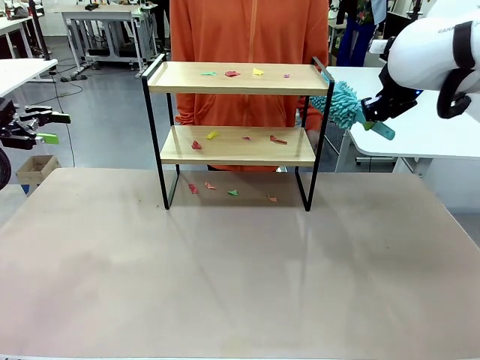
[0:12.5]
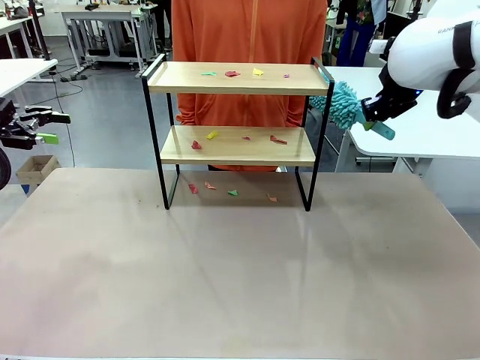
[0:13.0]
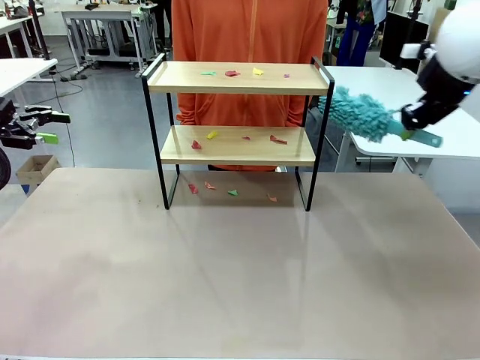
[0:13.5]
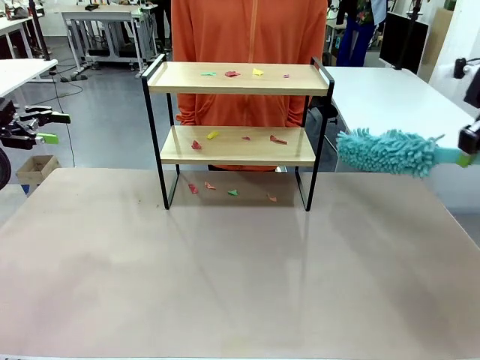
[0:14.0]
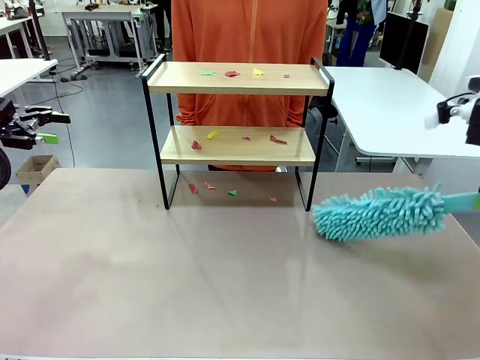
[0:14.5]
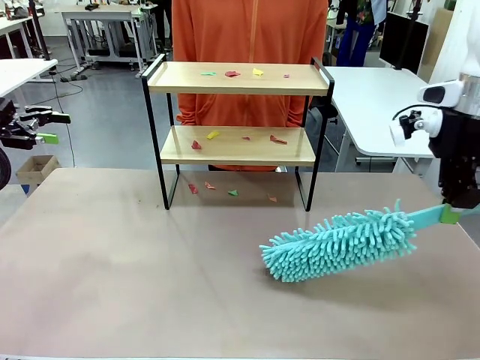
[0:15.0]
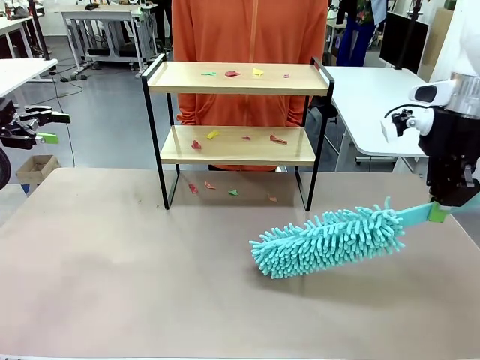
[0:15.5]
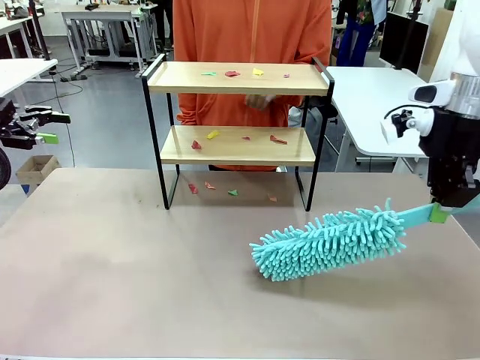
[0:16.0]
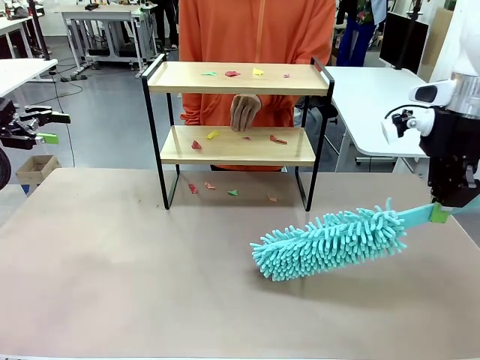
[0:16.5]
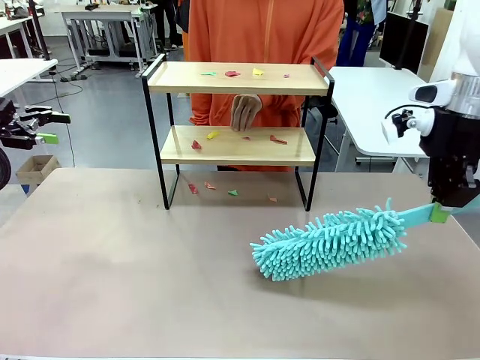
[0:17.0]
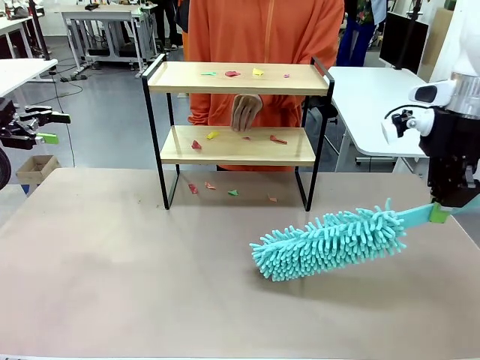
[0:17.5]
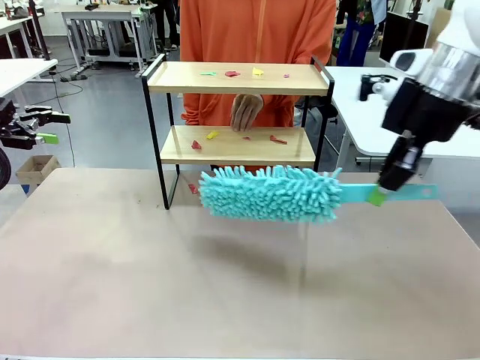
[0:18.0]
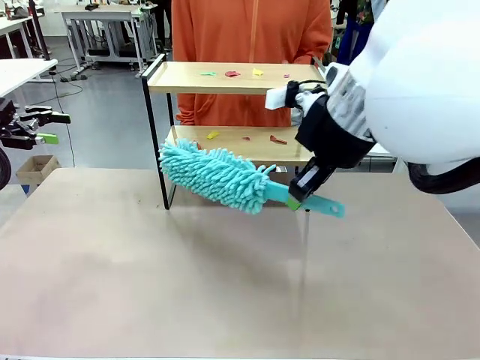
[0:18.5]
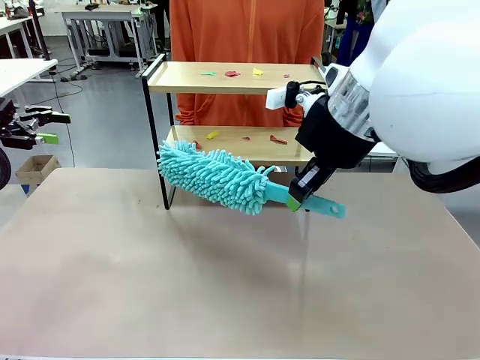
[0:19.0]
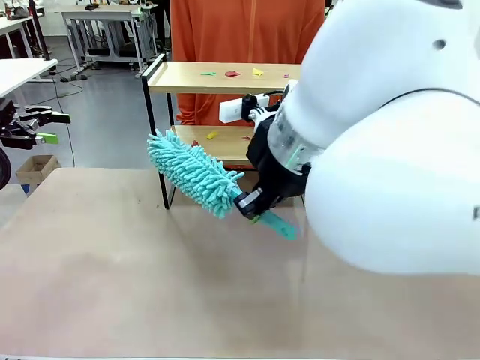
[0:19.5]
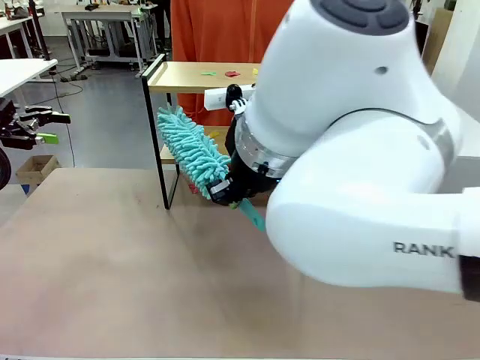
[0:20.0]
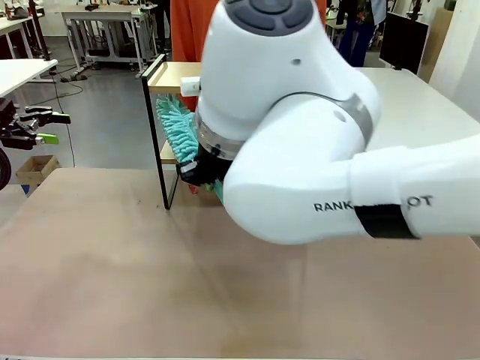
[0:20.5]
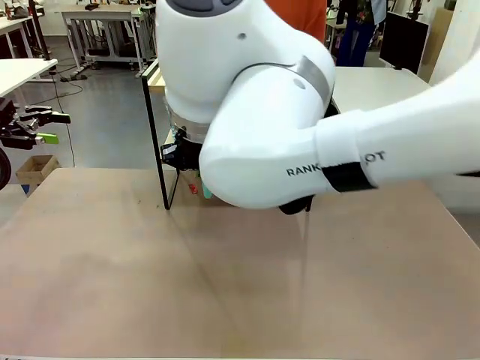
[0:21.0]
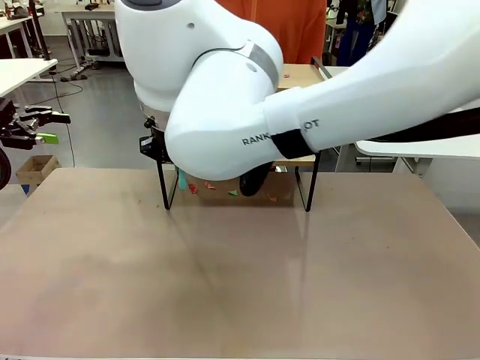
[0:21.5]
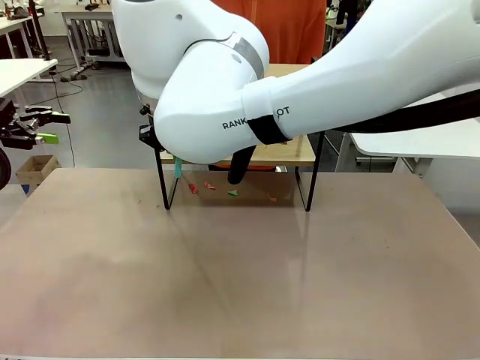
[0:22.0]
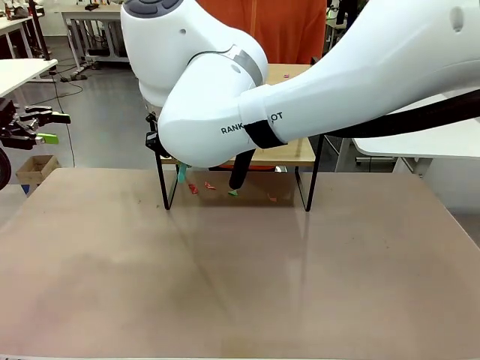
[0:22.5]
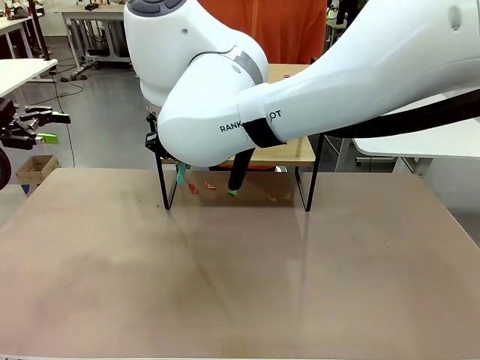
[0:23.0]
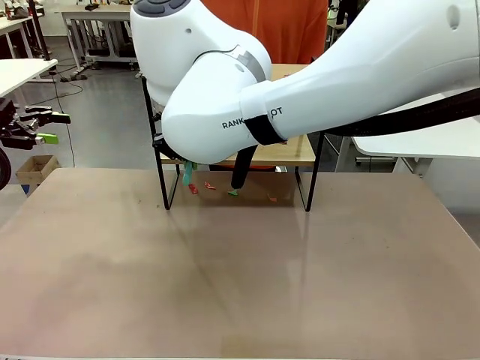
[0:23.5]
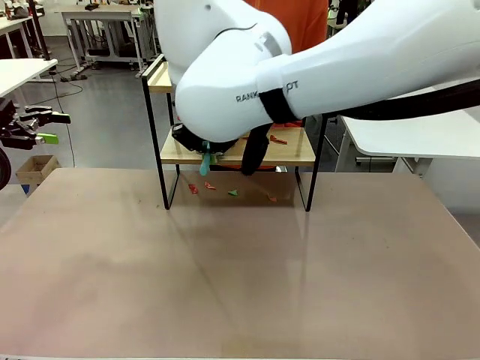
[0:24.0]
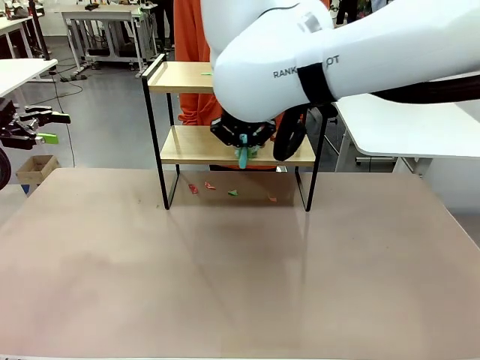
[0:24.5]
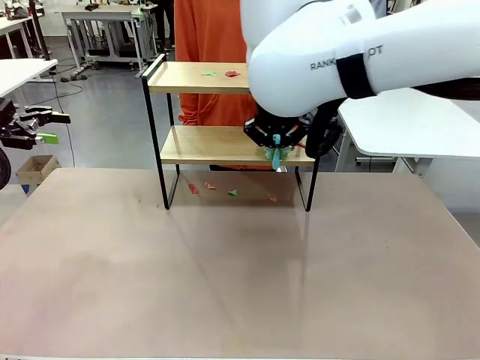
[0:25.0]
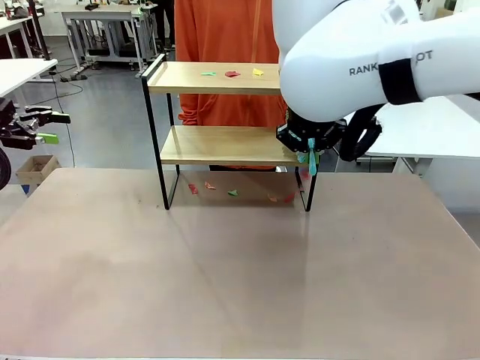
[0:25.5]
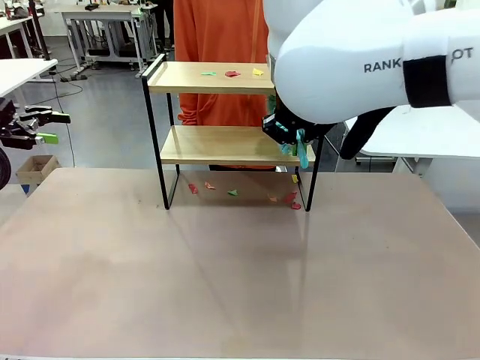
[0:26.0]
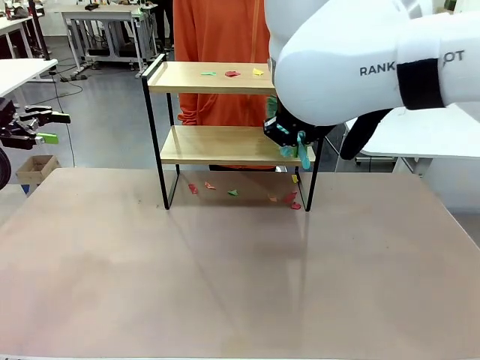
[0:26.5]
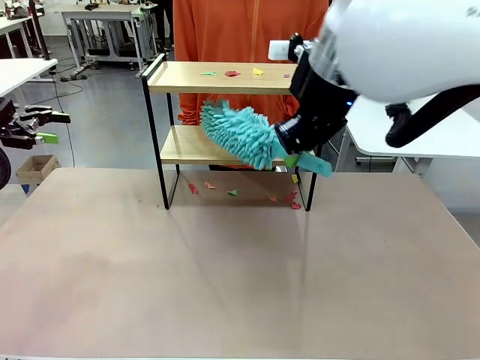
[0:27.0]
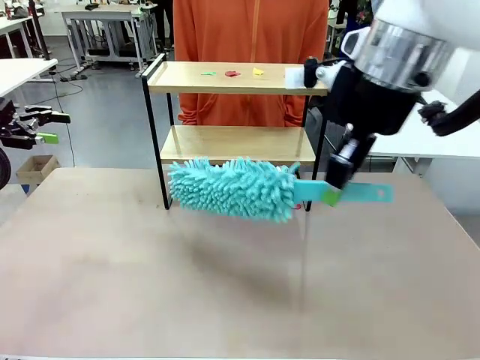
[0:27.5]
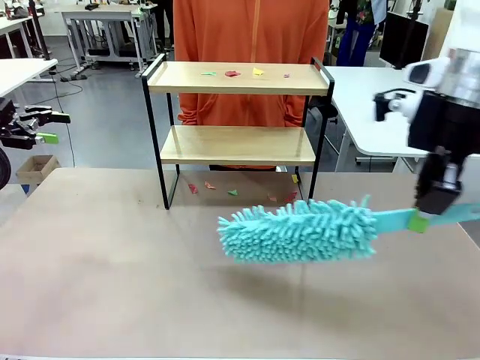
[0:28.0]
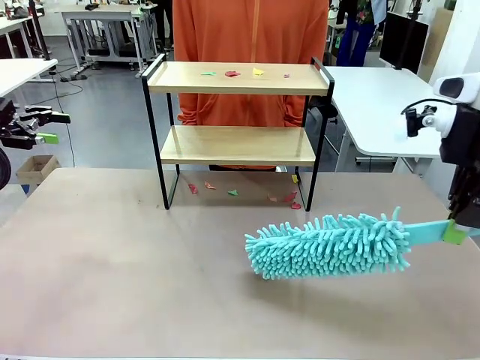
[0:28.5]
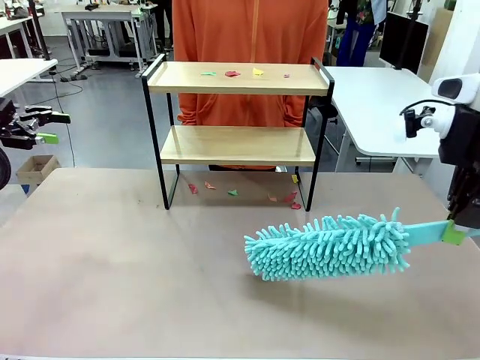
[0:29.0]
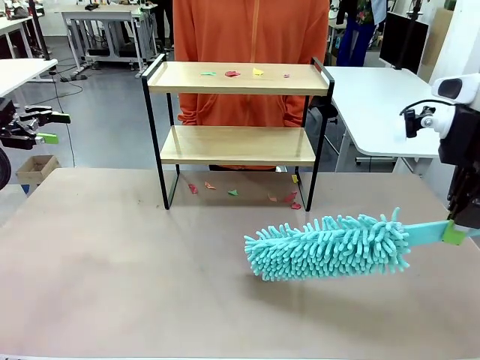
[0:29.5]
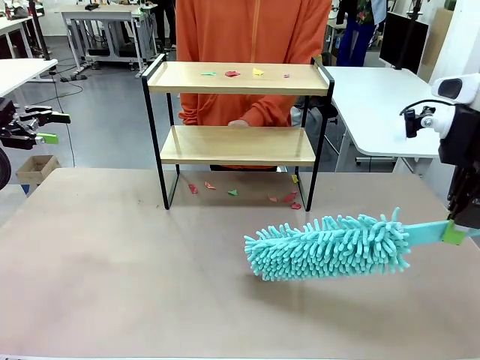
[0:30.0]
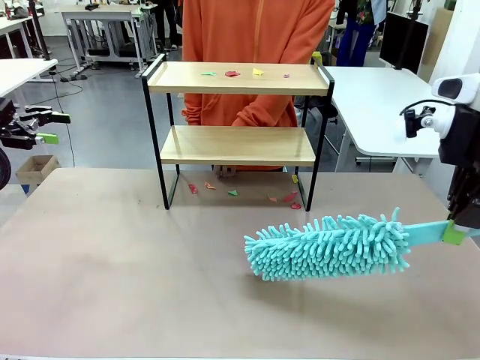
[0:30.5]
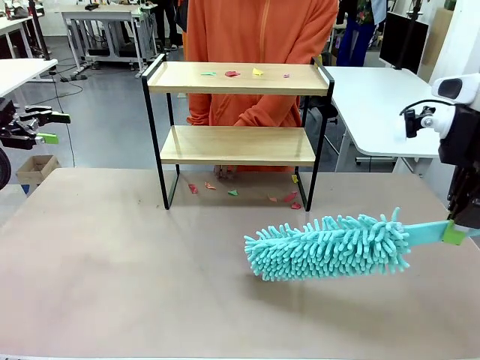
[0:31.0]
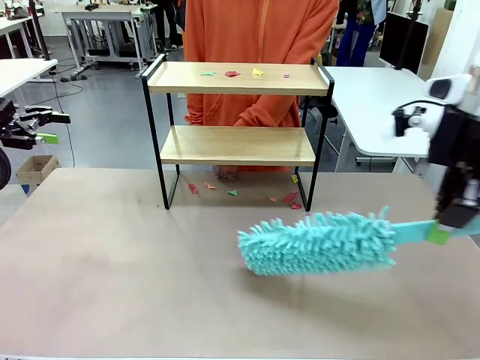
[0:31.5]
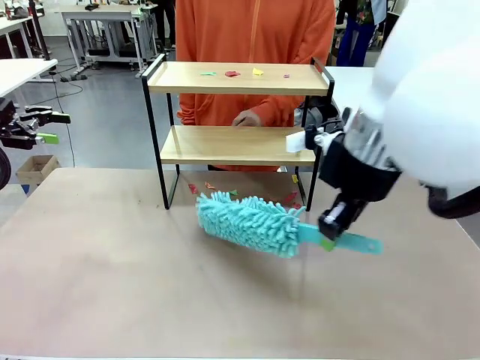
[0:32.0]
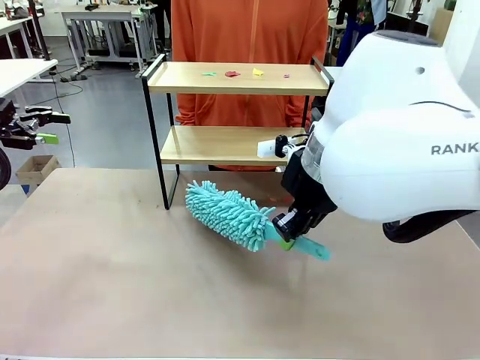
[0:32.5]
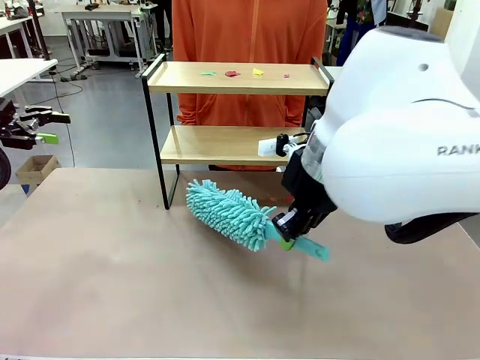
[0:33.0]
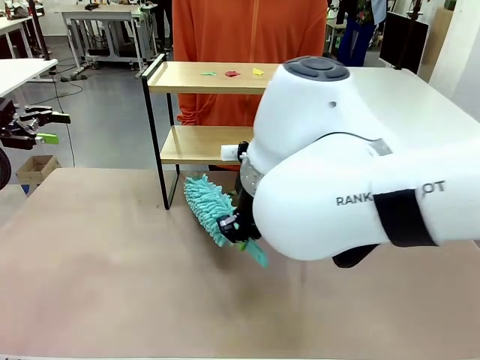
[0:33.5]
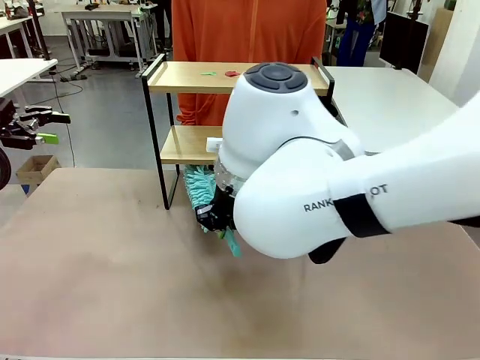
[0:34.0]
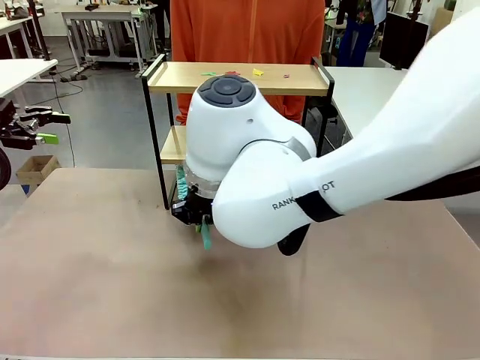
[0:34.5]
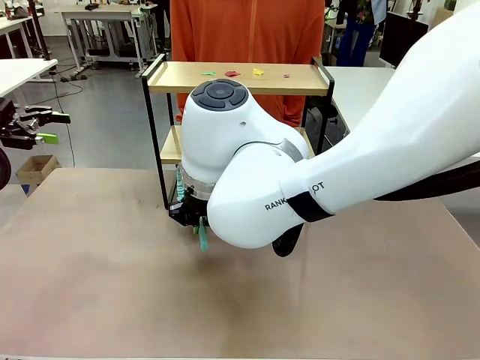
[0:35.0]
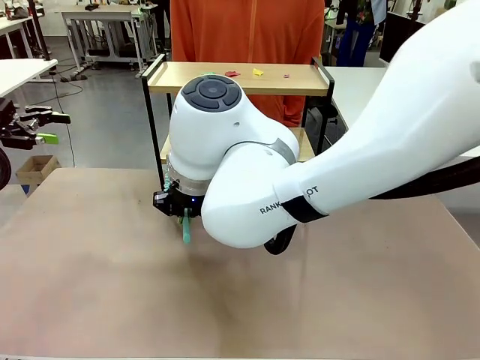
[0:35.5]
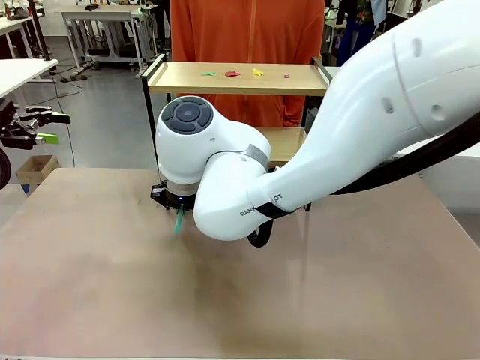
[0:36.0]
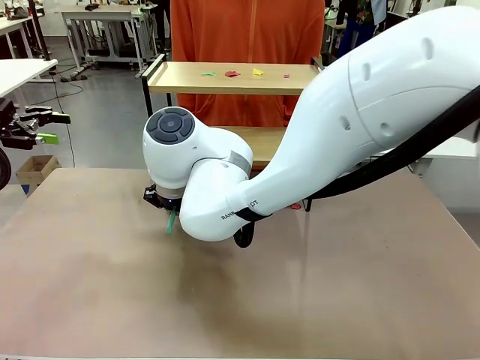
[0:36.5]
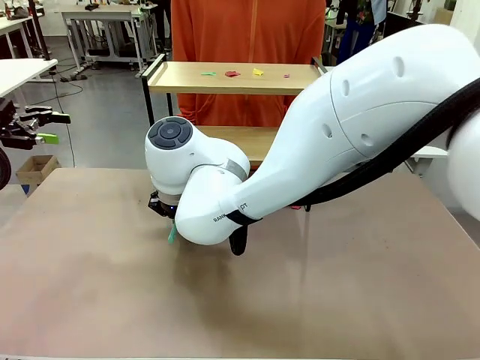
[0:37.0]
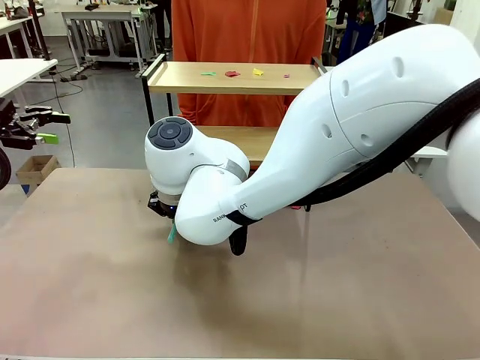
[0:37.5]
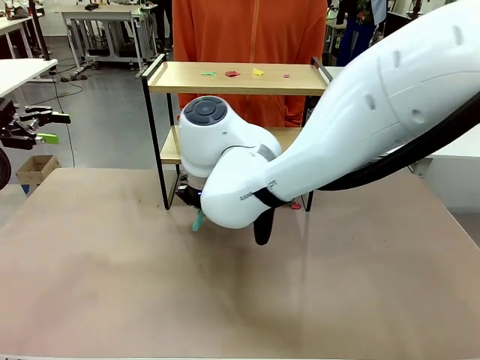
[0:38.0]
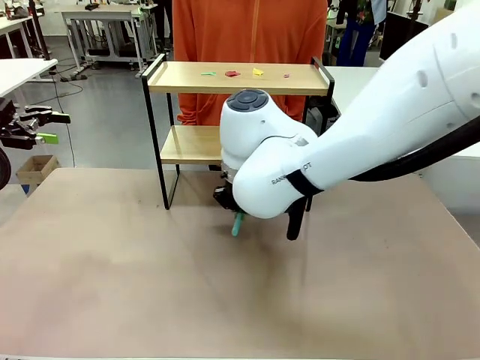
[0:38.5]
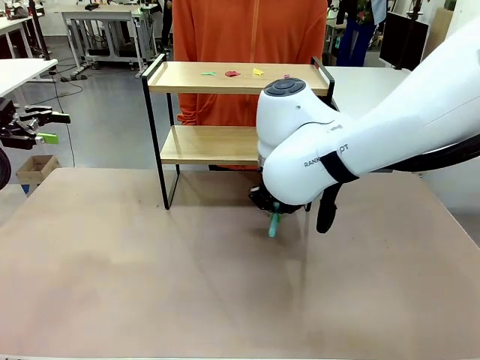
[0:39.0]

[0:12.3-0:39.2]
Task: Clean the shelf.
Robot: Clean the specific section of the Shelf indicated by the human with the Duster.
Person: Point a random section of the Shelf. Point a remaining section of the Shelf.
